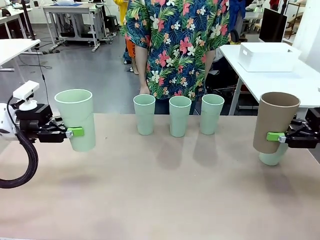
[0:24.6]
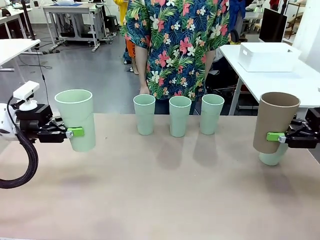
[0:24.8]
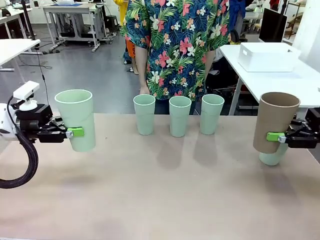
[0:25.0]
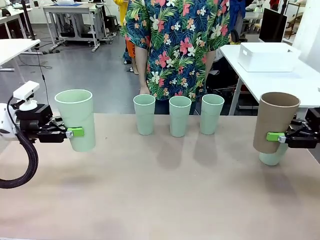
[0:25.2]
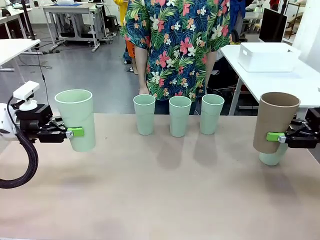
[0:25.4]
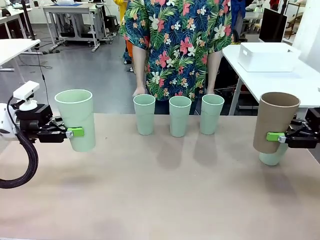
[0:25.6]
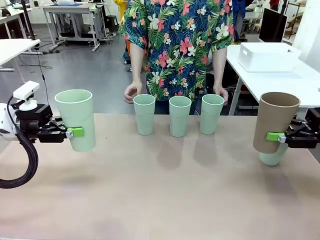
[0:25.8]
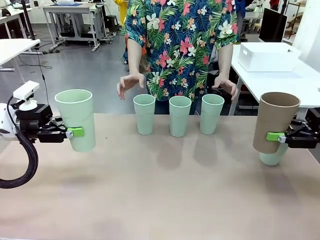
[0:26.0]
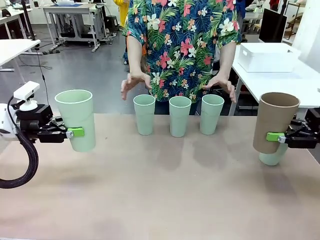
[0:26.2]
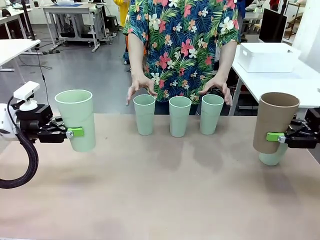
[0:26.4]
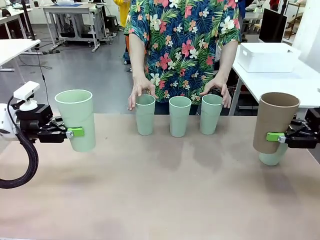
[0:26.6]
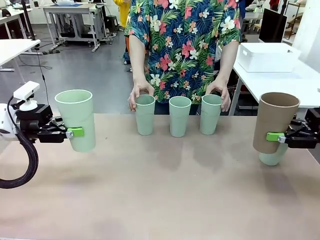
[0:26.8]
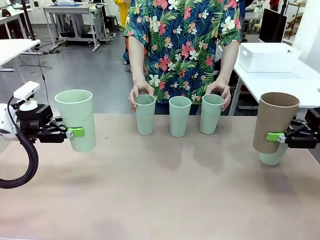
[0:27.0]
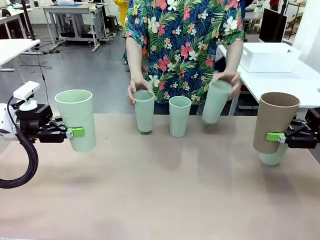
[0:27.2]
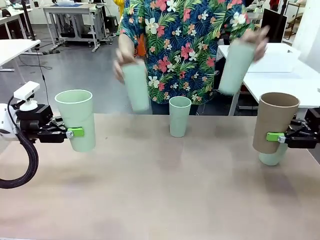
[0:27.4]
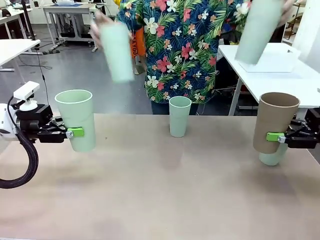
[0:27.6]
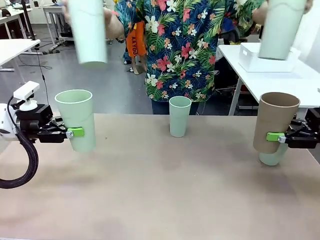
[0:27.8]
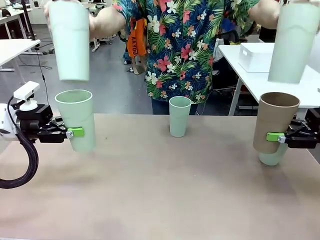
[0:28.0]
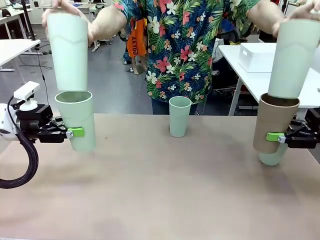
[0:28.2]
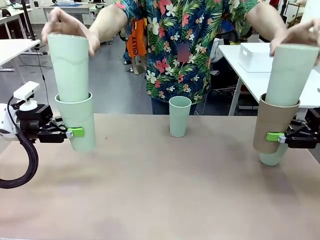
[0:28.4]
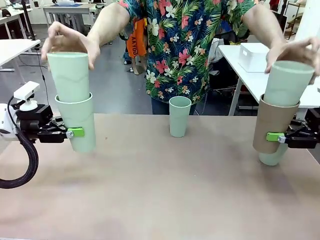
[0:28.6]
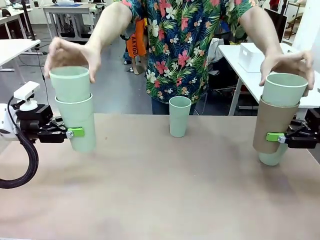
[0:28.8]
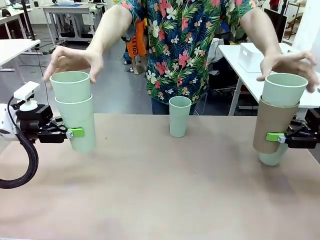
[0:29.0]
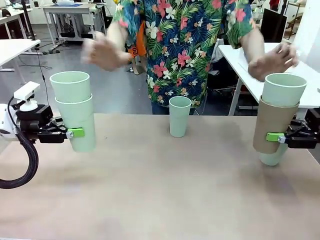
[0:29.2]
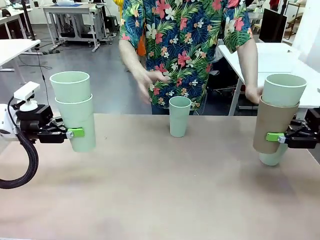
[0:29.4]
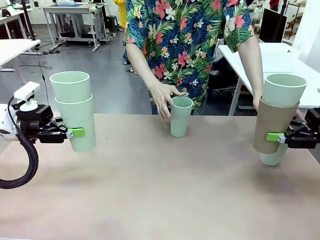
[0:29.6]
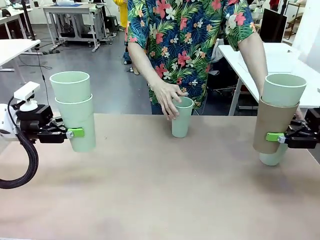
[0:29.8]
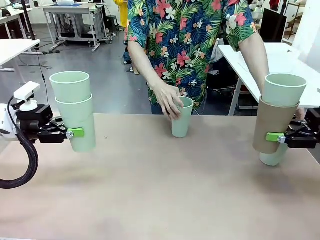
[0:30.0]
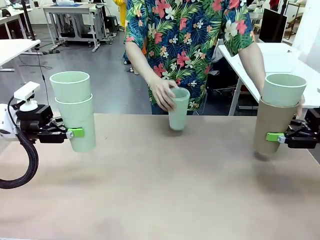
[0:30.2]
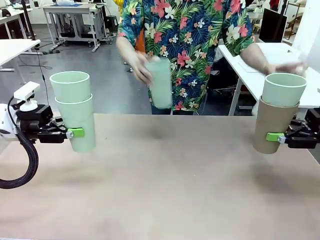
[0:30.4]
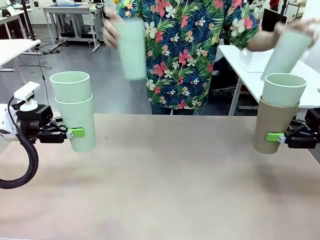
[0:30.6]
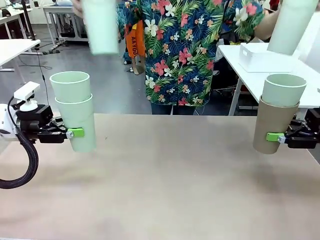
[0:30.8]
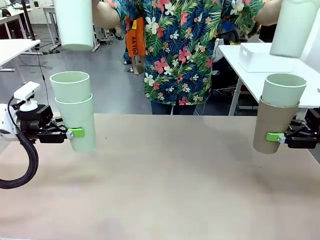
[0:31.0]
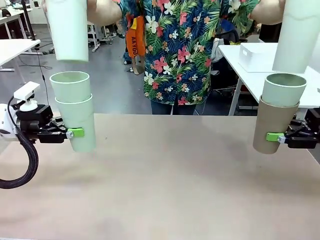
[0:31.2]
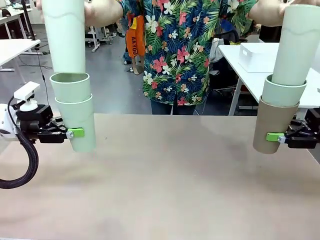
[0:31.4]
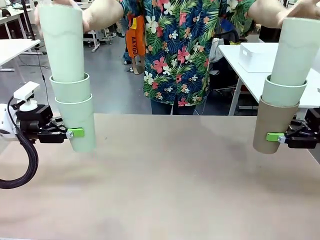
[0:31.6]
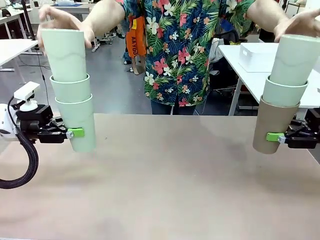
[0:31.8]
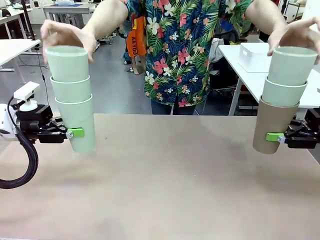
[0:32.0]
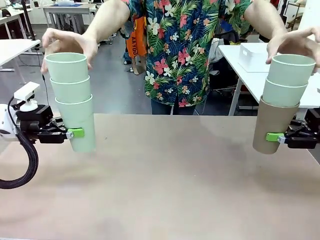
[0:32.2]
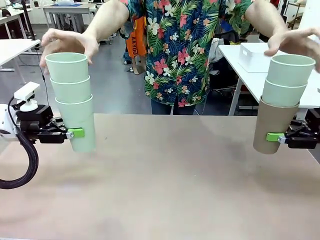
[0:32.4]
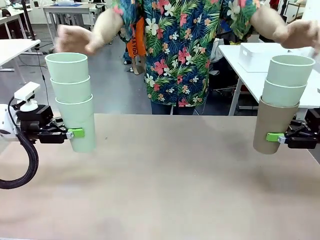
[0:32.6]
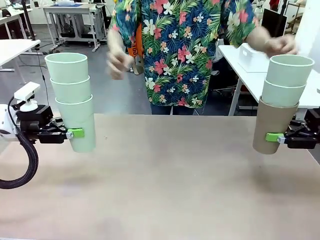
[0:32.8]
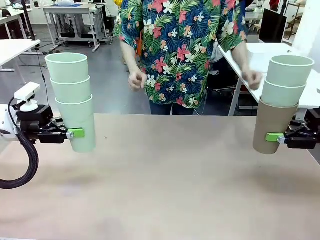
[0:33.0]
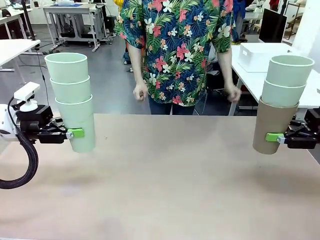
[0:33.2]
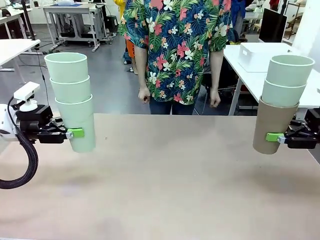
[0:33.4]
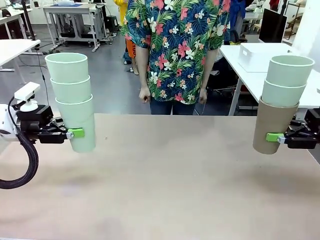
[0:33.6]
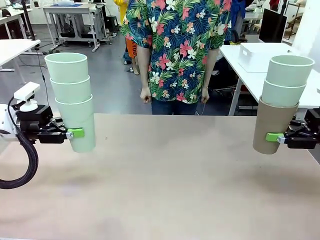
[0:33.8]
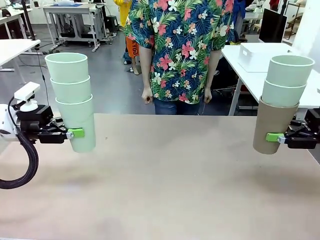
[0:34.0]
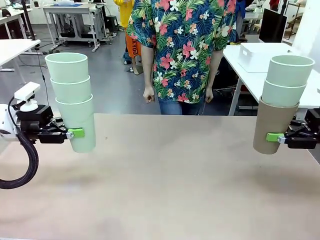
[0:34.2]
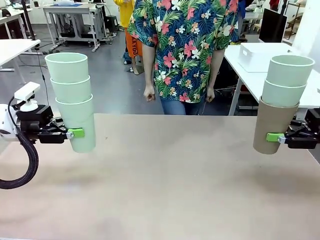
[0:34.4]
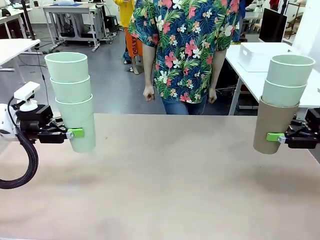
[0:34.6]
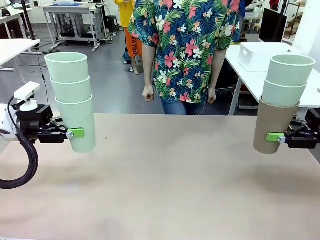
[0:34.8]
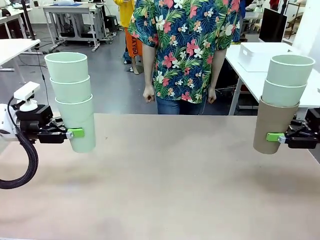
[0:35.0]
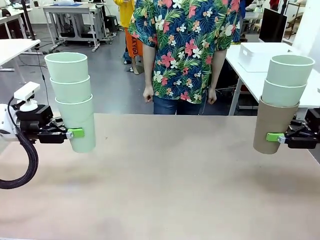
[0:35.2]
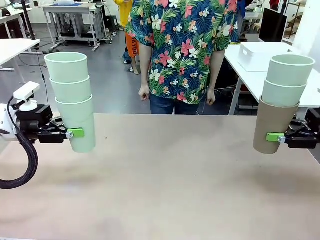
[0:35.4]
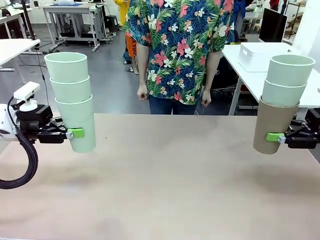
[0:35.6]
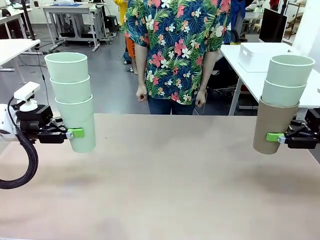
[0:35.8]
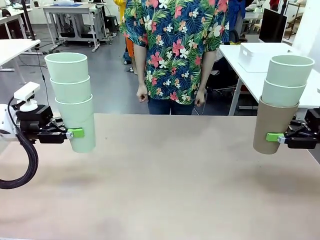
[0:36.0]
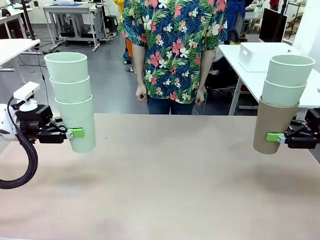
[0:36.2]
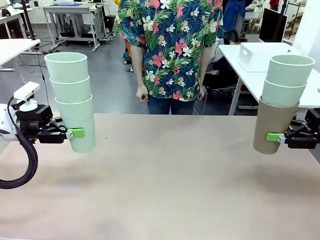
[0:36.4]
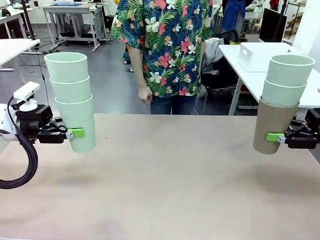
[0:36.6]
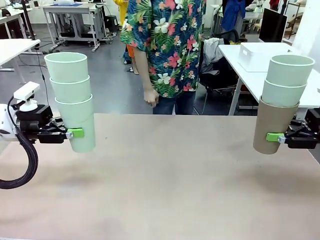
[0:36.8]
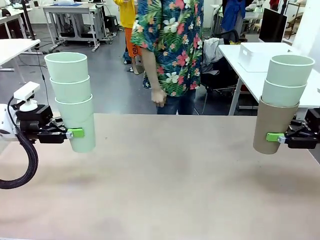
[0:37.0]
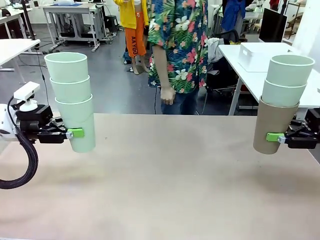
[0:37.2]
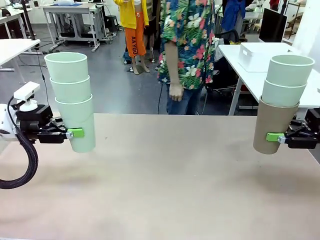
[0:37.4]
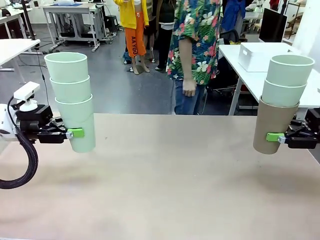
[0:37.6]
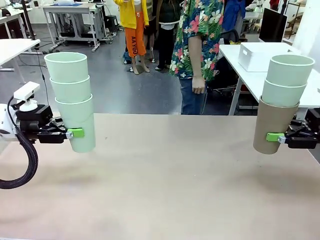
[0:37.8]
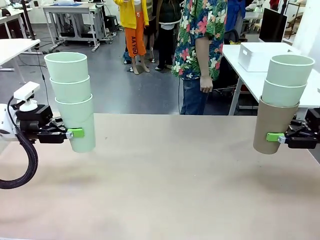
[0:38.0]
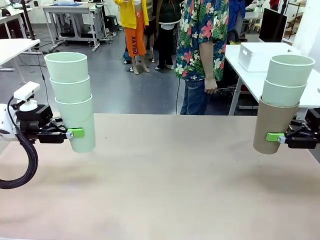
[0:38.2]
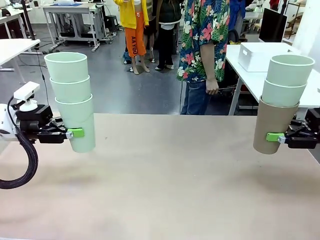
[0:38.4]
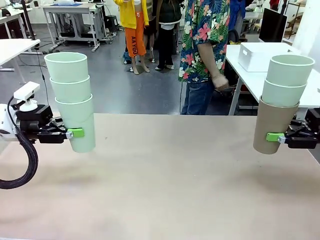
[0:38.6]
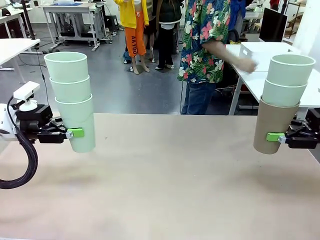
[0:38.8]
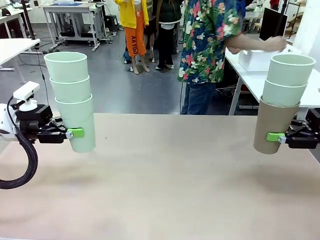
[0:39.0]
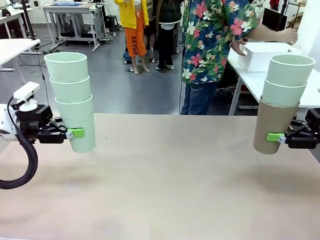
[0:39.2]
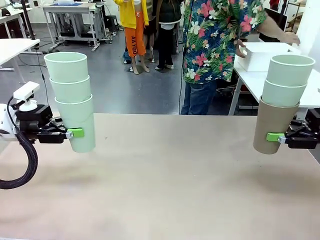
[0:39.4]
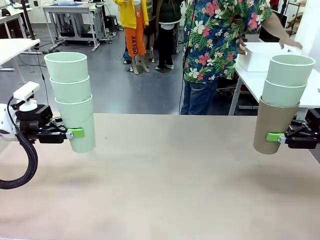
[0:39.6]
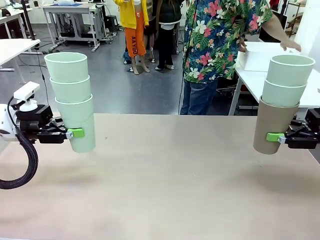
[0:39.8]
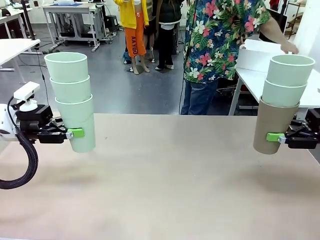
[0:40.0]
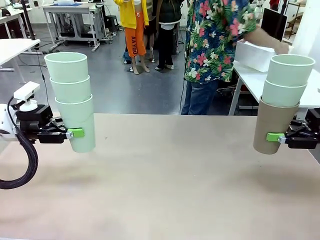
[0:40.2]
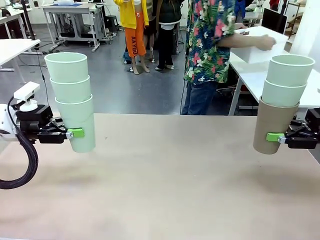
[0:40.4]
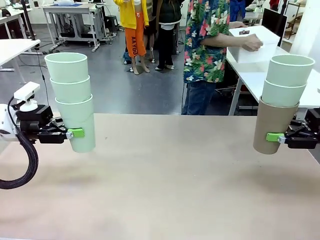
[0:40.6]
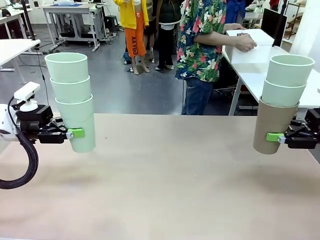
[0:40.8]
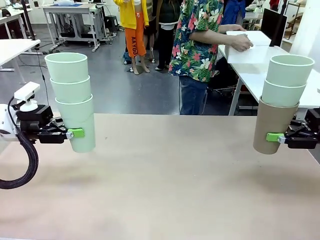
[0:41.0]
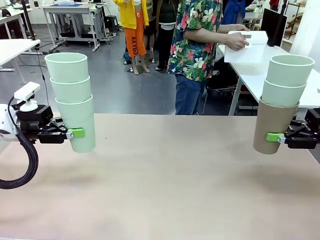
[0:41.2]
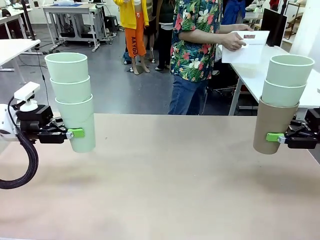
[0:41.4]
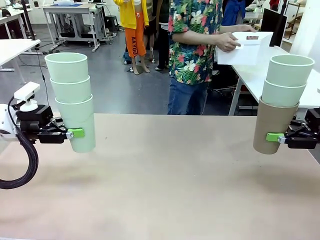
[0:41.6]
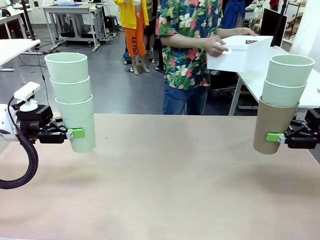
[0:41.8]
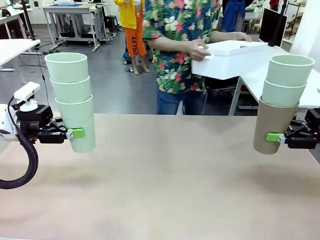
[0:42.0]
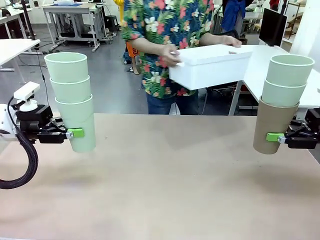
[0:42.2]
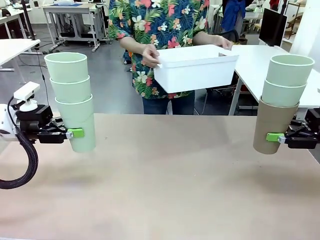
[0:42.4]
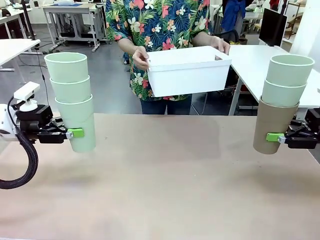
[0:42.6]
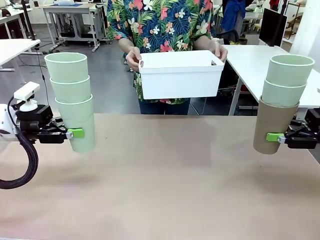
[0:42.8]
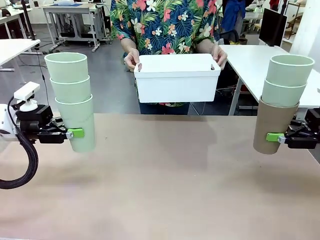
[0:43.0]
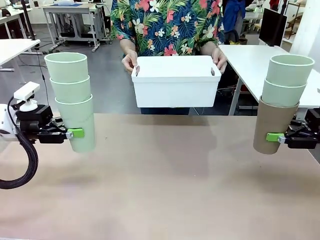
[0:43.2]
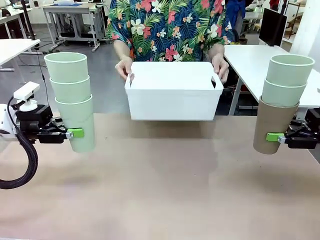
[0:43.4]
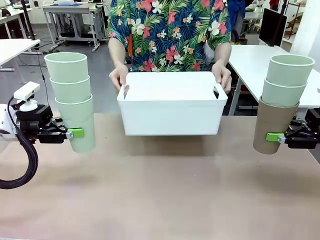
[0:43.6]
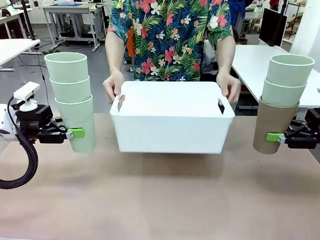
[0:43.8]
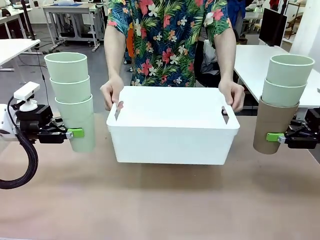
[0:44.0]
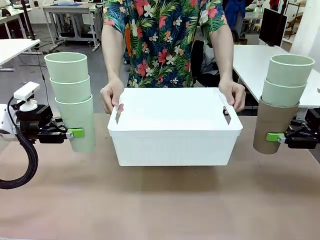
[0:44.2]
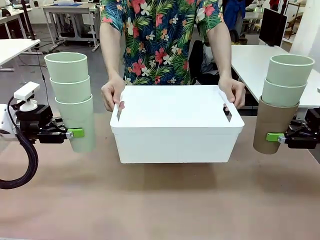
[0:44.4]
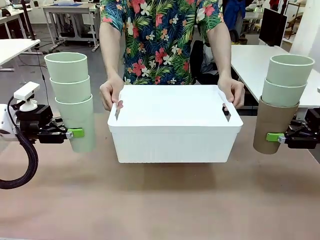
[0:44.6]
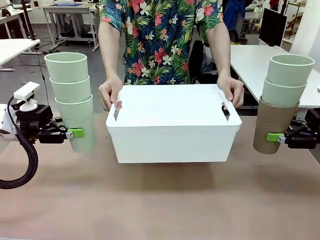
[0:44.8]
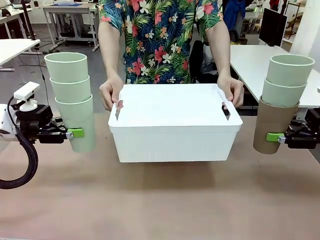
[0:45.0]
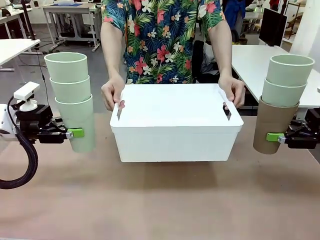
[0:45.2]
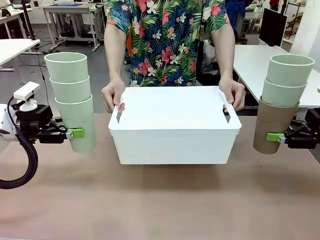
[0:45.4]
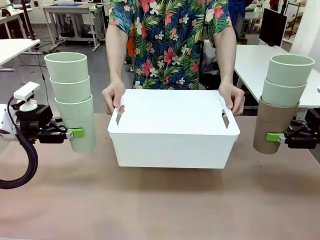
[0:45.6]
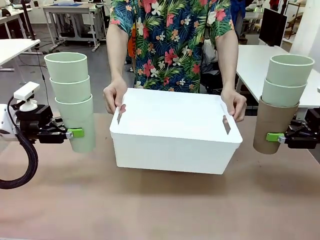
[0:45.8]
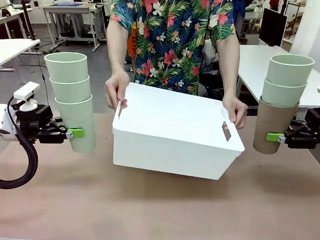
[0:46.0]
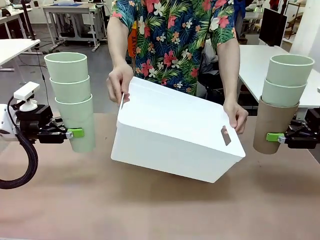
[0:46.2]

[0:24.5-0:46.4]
Task: Stack the cups and store them in the basket.
Robot: Place the stack of Reusable plastic cups into the Pantry Basket.
Person: Pick up the basket from the Human Table, bring it to the front of the robot, and present it.
